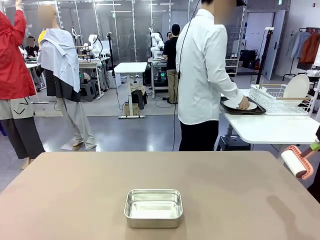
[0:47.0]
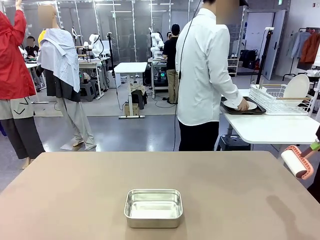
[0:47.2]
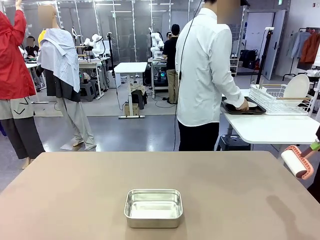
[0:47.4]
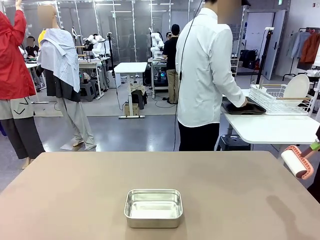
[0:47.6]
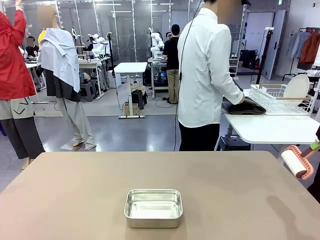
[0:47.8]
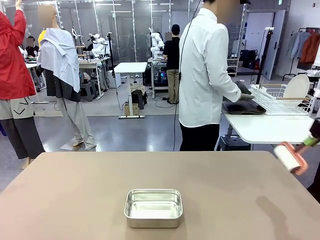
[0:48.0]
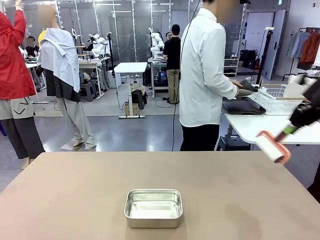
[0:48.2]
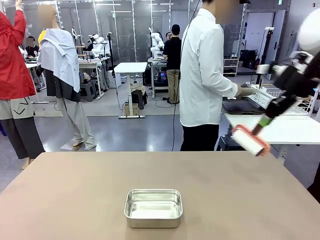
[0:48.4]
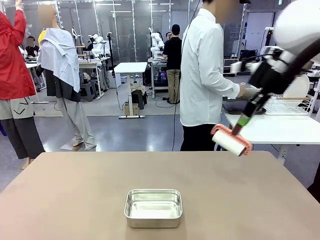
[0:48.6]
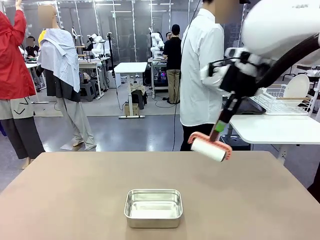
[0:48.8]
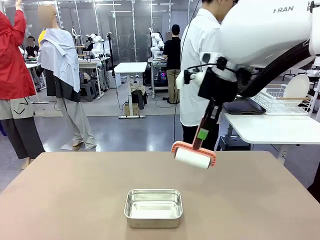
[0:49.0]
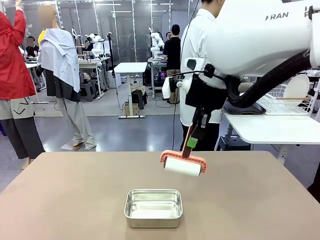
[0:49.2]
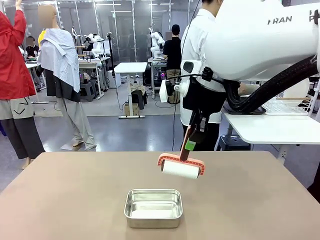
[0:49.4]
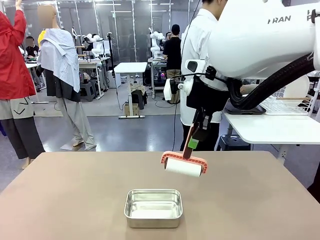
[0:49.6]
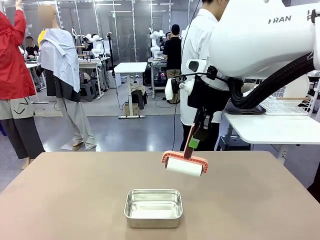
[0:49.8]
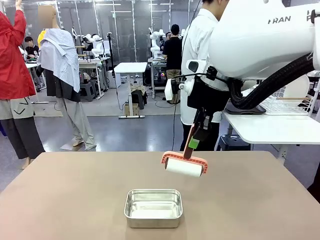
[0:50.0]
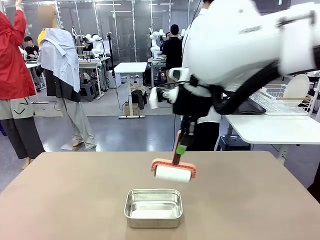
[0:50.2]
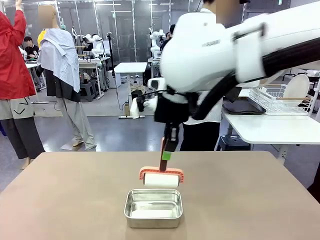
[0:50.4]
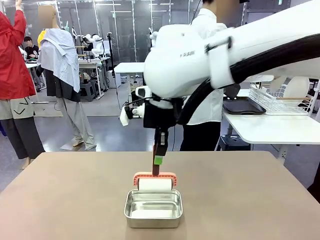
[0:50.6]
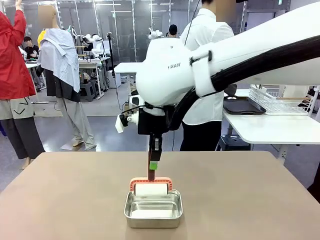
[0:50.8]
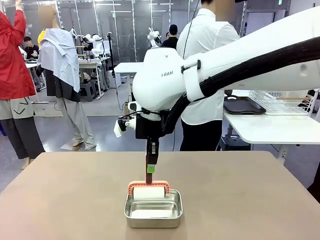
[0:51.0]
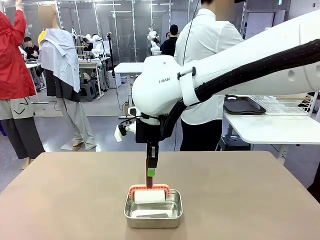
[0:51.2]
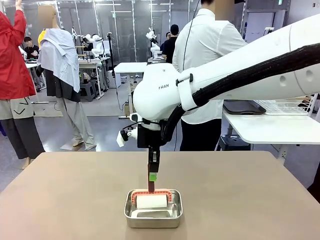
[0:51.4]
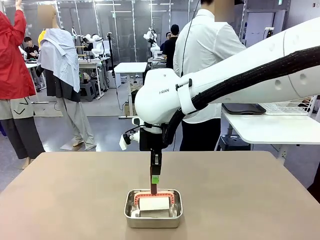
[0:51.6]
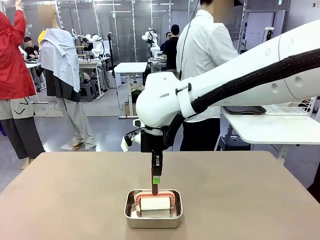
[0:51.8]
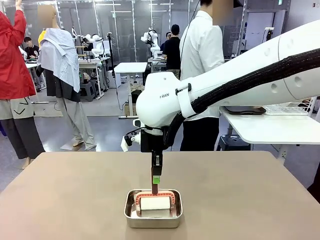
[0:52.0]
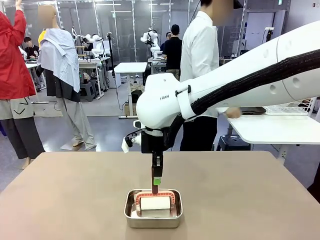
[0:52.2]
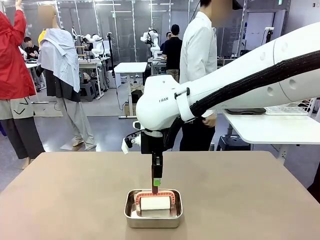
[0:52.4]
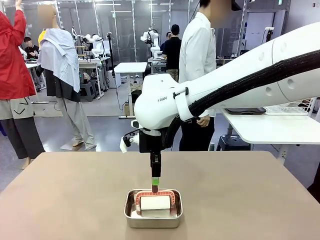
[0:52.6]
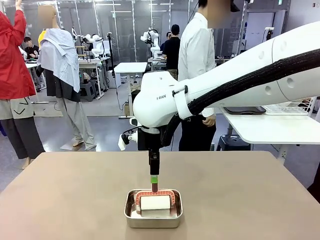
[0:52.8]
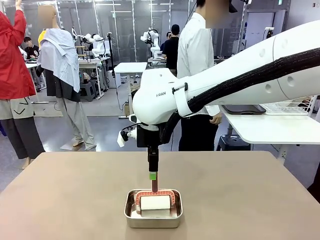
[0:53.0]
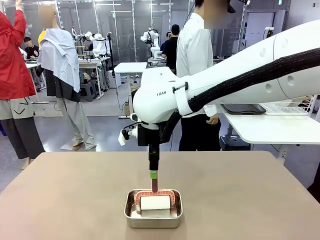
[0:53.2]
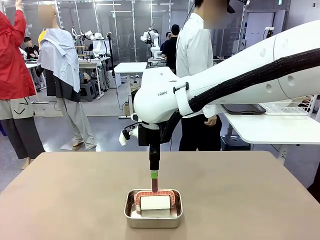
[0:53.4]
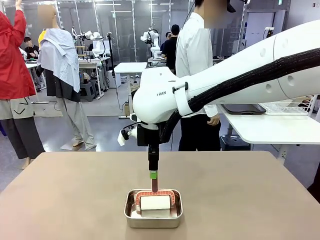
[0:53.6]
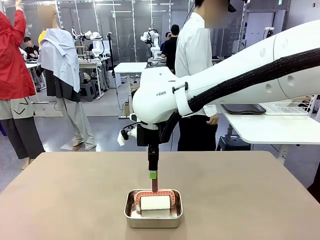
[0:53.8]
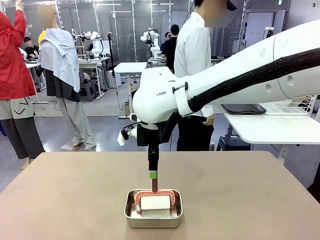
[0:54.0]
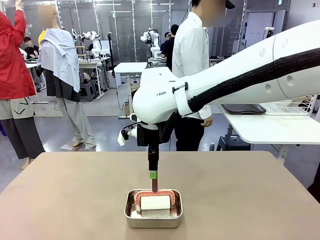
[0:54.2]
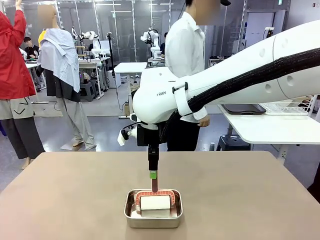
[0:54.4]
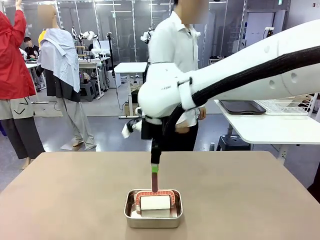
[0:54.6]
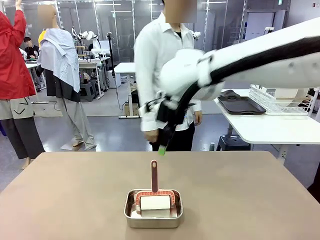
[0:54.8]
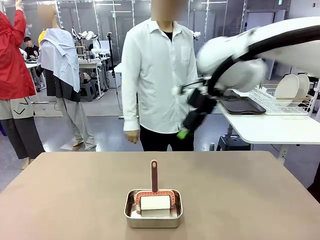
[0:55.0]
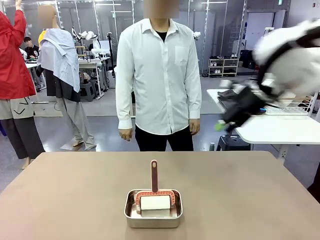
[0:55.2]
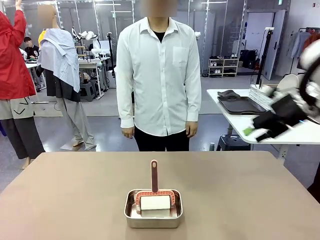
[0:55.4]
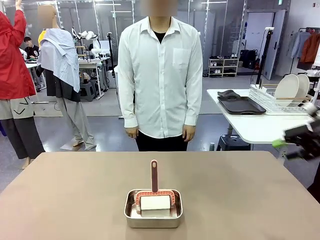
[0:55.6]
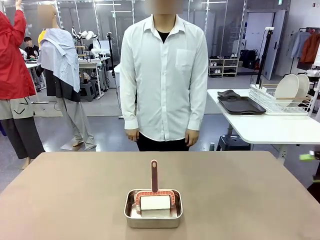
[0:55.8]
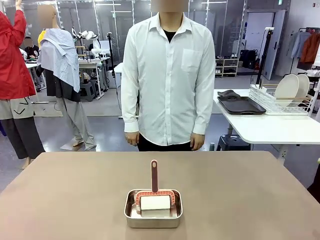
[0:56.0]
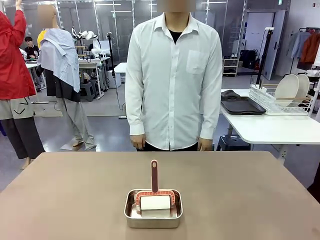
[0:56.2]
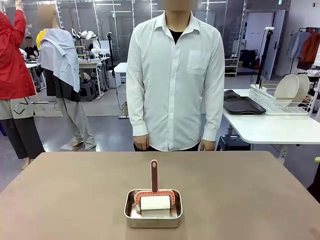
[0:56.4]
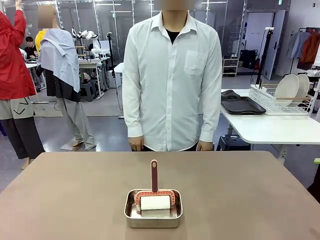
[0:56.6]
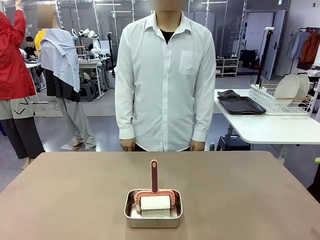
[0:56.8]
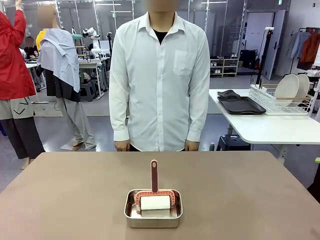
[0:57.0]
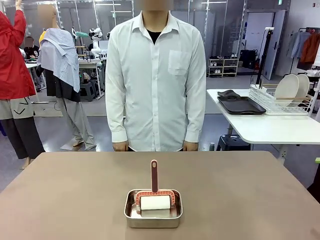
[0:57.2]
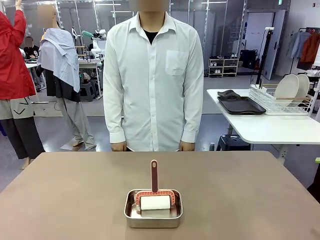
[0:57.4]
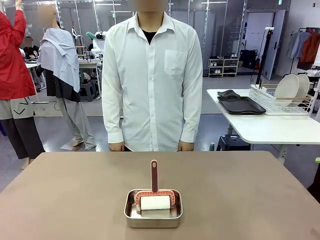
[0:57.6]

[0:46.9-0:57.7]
Robot: Place the Lint Roller back on top of the Airtight Container.

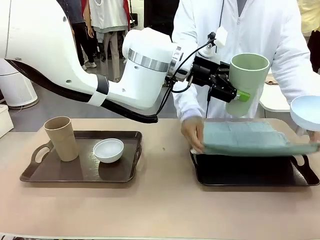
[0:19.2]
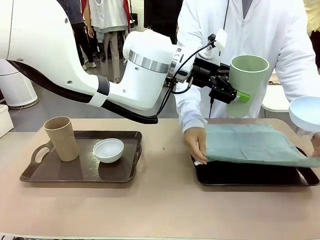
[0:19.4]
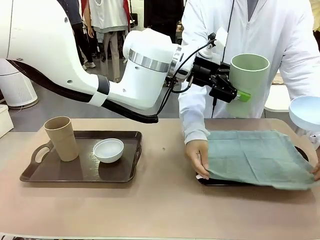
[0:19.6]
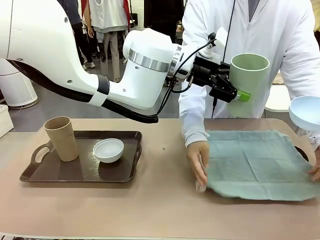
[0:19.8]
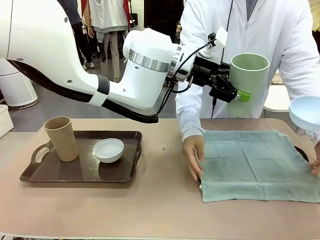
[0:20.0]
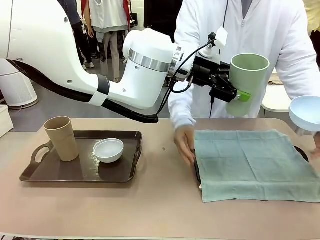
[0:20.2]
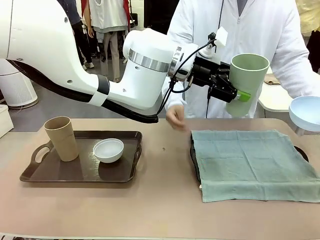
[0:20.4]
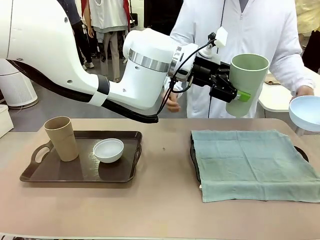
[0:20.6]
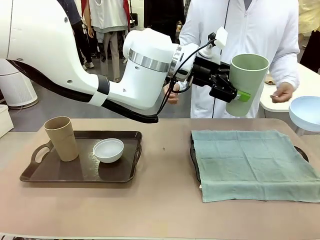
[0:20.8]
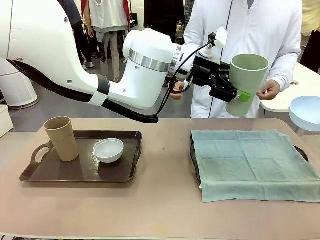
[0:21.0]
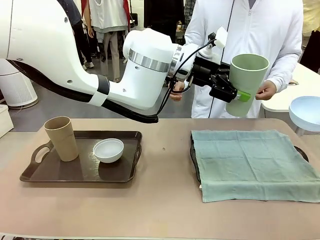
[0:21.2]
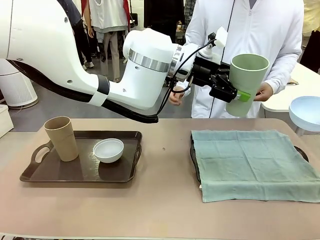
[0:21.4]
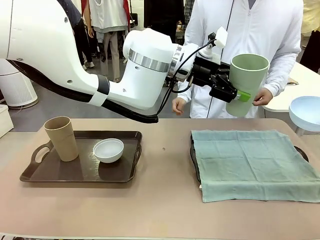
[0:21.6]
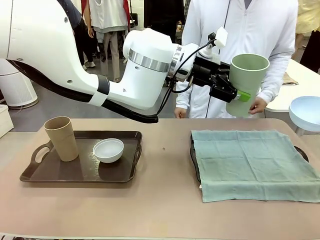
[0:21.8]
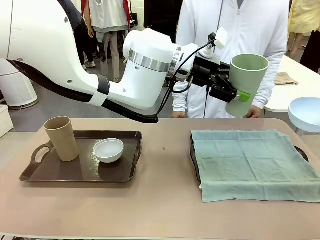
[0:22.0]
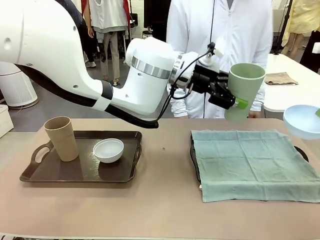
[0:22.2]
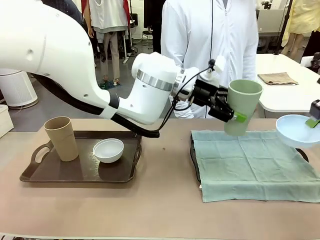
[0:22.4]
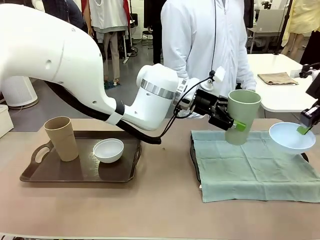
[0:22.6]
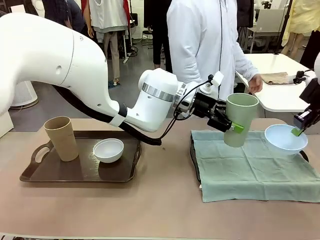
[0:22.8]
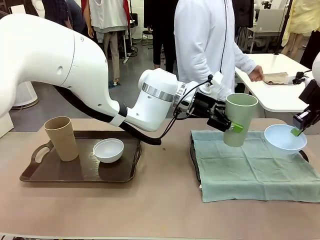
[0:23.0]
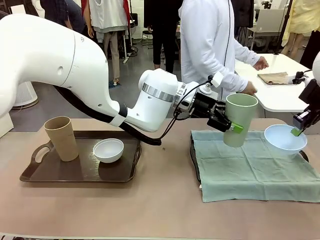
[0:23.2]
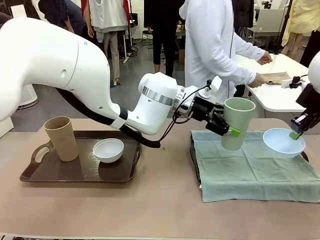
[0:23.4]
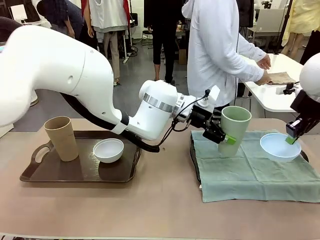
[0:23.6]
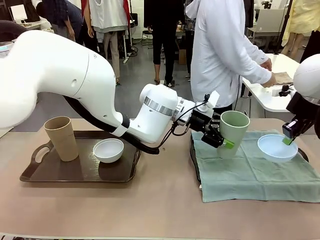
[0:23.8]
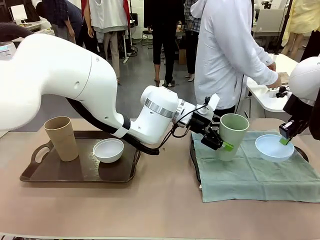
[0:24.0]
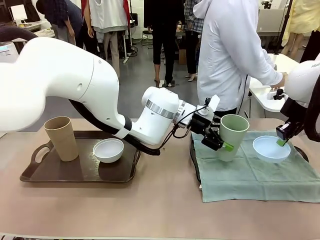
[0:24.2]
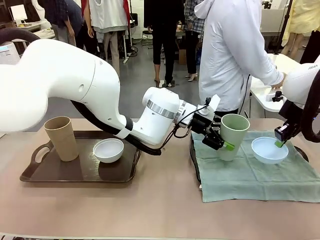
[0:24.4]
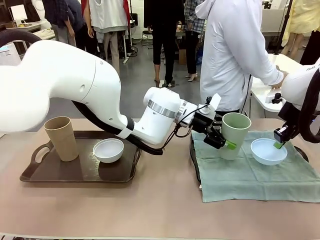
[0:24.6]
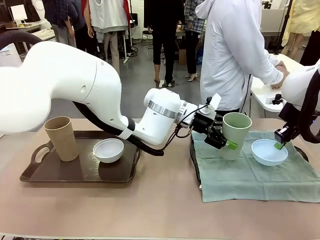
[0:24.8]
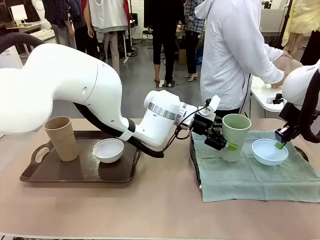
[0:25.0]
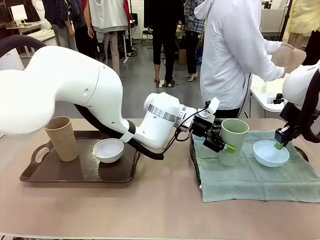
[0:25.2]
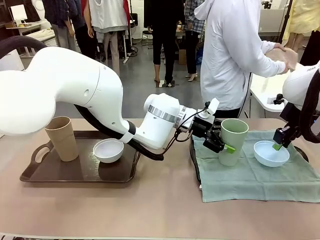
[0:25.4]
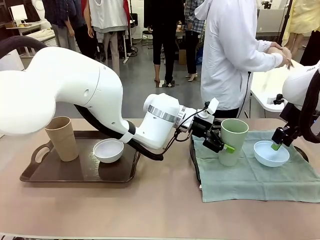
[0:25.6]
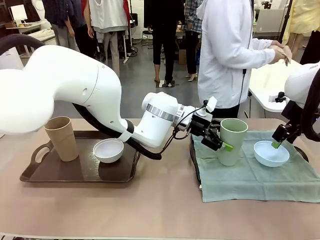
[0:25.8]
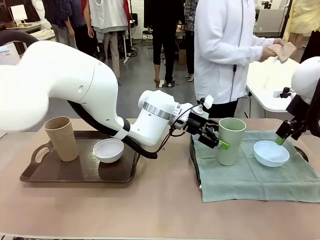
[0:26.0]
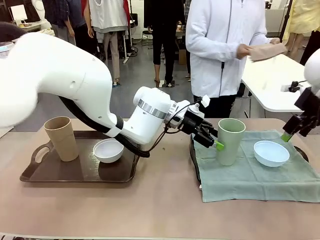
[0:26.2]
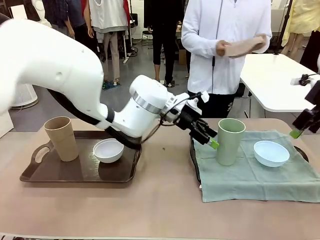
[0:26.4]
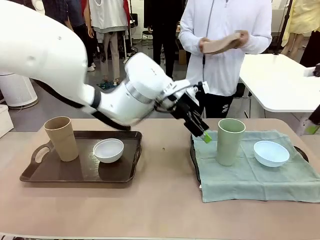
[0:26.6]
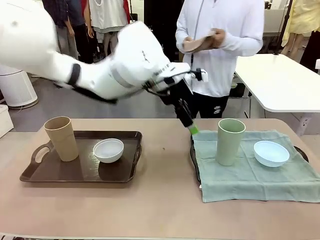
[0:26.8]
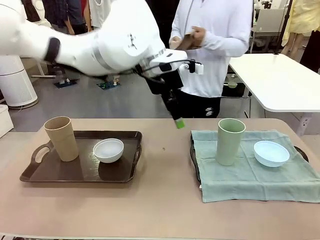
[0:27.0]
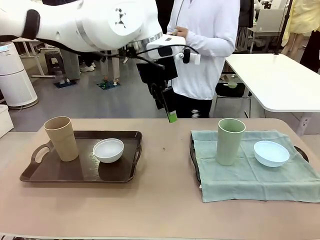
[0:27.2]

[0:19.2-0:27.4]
Robot: Place the Picnic Bowl and Reusable plastic cup back onto the Handle tray in front of the human's position.
Person: The human returns to the human table to pick up another napkin and walks to the robot table to stand in front of the tray without a napkin.
